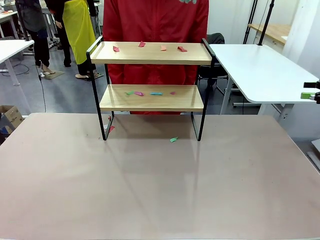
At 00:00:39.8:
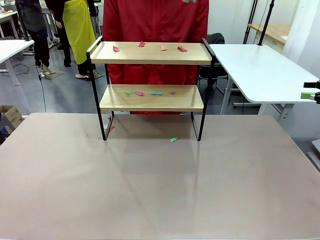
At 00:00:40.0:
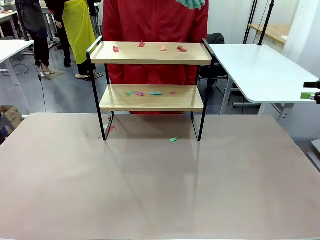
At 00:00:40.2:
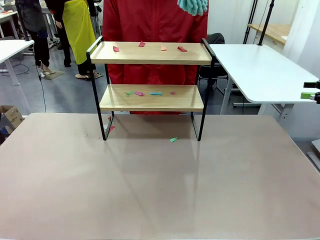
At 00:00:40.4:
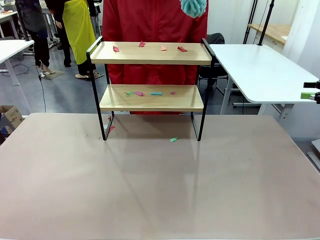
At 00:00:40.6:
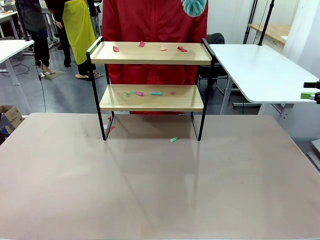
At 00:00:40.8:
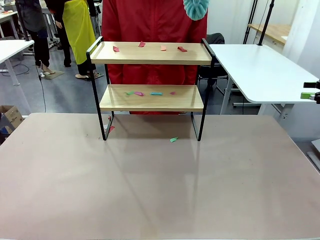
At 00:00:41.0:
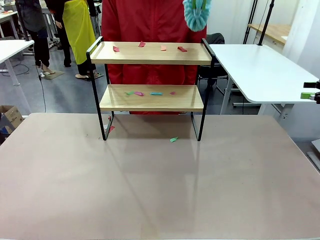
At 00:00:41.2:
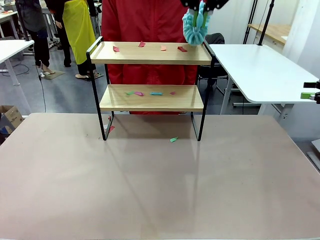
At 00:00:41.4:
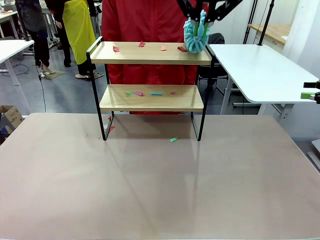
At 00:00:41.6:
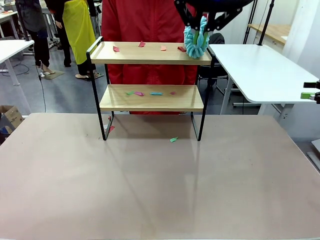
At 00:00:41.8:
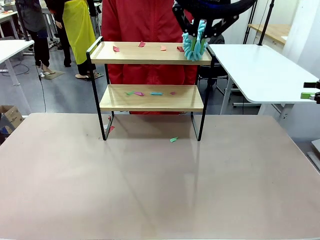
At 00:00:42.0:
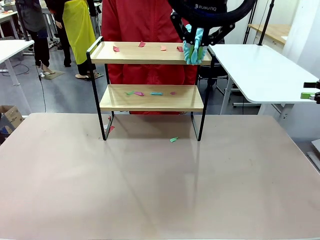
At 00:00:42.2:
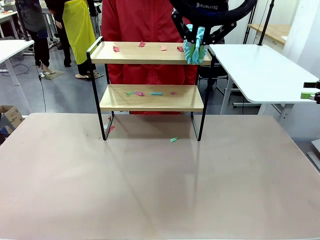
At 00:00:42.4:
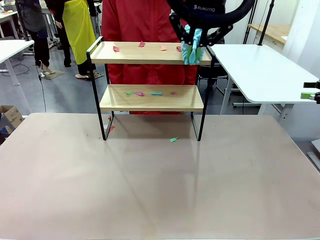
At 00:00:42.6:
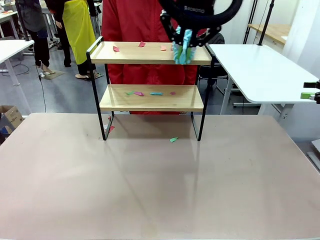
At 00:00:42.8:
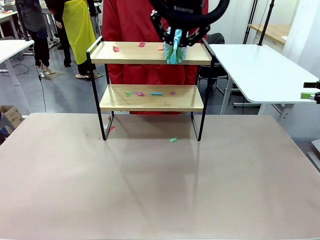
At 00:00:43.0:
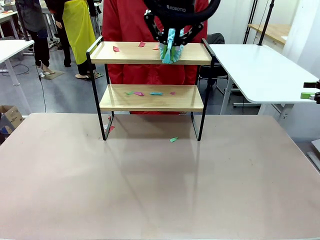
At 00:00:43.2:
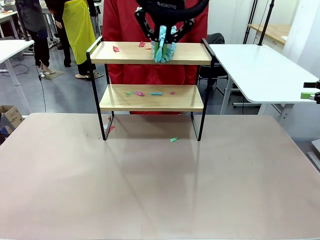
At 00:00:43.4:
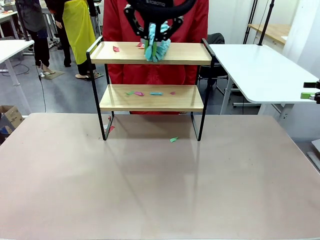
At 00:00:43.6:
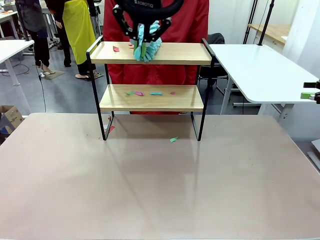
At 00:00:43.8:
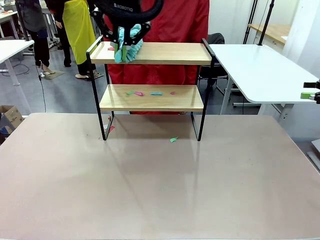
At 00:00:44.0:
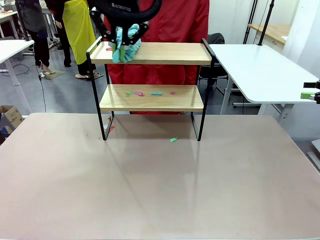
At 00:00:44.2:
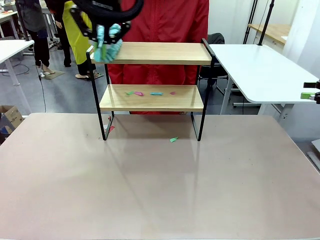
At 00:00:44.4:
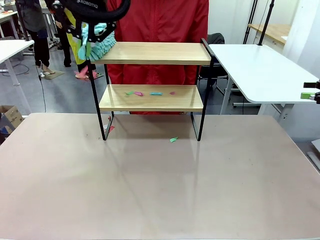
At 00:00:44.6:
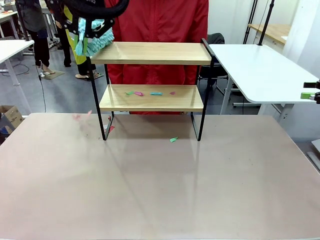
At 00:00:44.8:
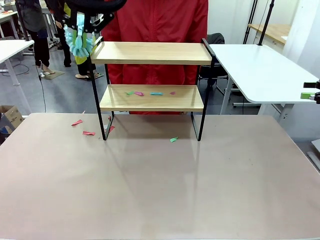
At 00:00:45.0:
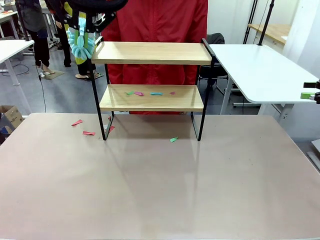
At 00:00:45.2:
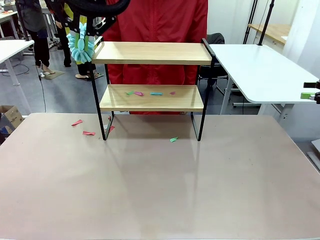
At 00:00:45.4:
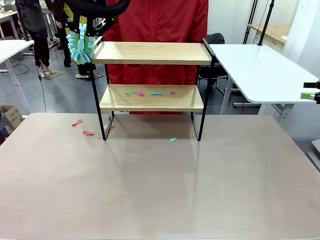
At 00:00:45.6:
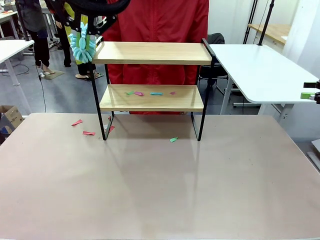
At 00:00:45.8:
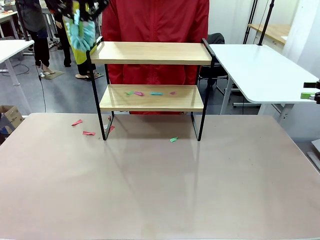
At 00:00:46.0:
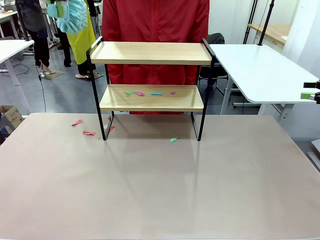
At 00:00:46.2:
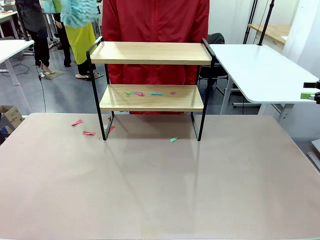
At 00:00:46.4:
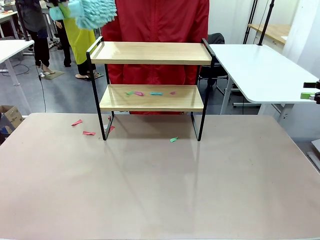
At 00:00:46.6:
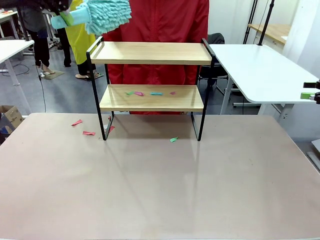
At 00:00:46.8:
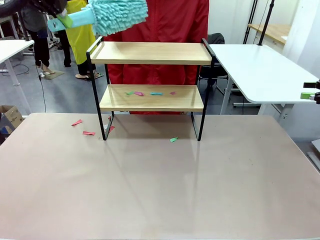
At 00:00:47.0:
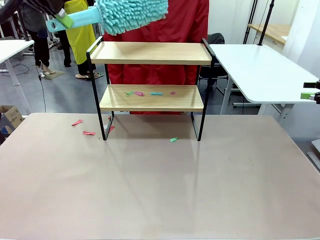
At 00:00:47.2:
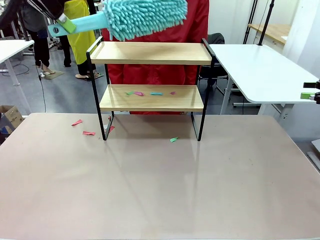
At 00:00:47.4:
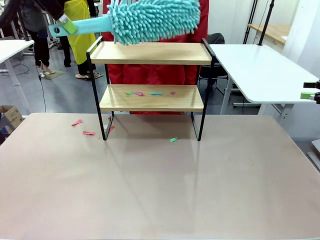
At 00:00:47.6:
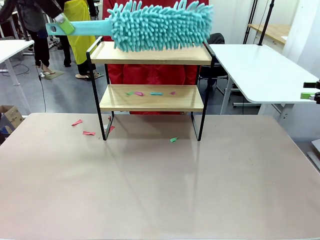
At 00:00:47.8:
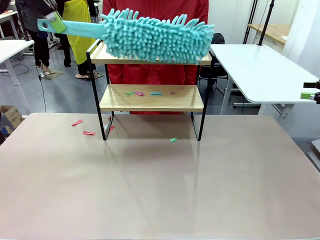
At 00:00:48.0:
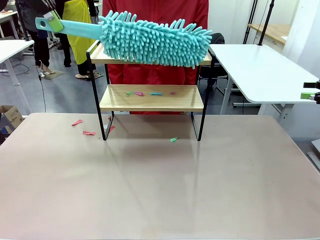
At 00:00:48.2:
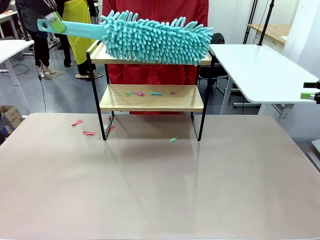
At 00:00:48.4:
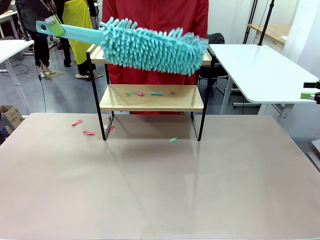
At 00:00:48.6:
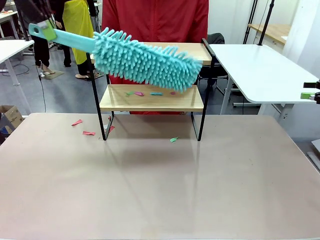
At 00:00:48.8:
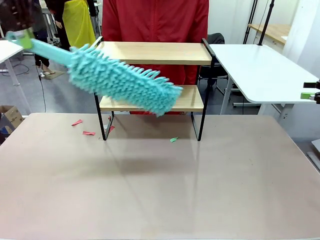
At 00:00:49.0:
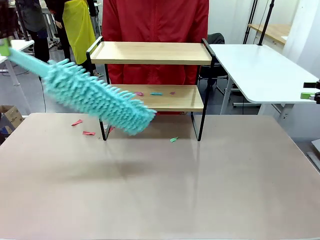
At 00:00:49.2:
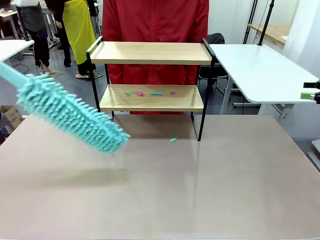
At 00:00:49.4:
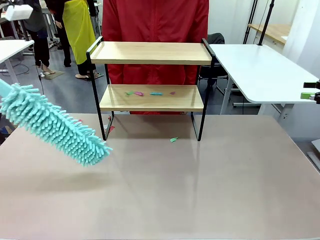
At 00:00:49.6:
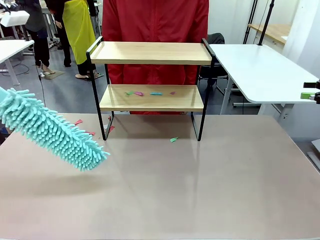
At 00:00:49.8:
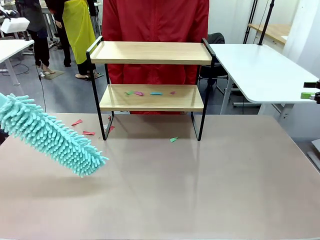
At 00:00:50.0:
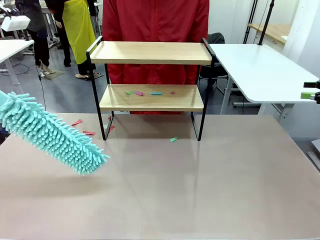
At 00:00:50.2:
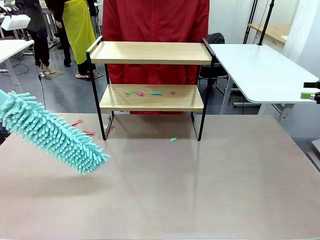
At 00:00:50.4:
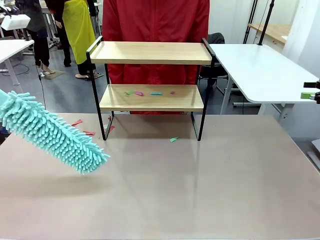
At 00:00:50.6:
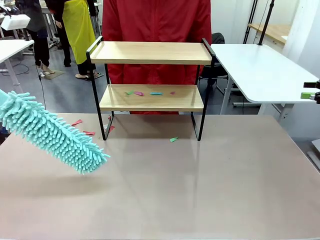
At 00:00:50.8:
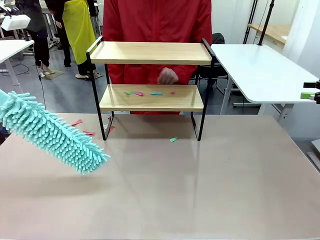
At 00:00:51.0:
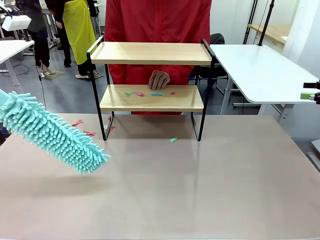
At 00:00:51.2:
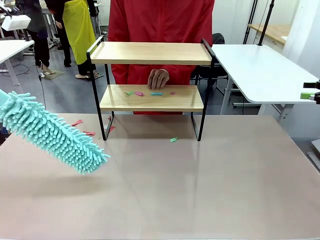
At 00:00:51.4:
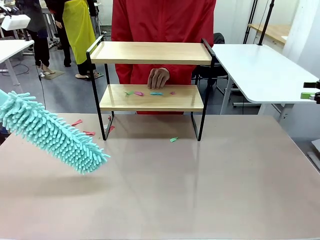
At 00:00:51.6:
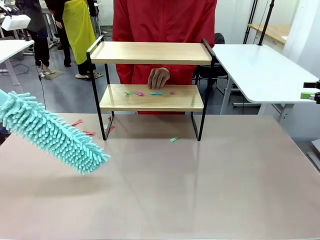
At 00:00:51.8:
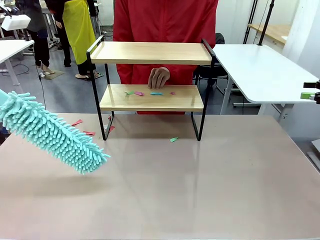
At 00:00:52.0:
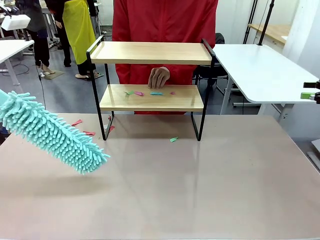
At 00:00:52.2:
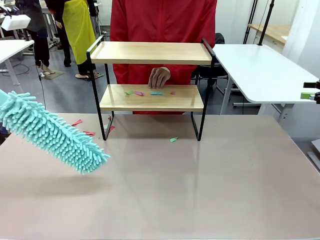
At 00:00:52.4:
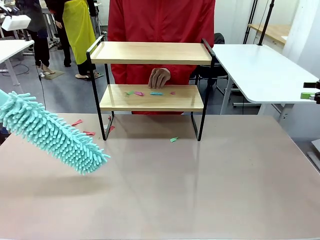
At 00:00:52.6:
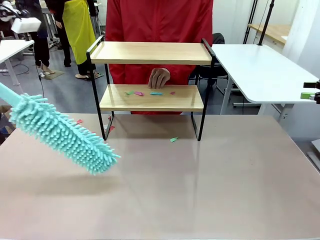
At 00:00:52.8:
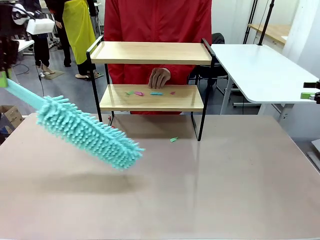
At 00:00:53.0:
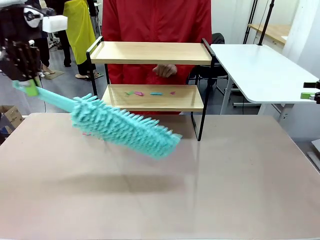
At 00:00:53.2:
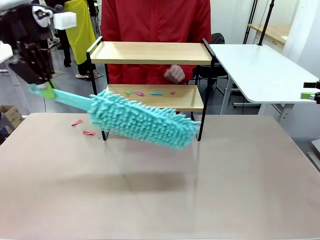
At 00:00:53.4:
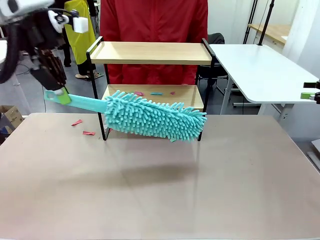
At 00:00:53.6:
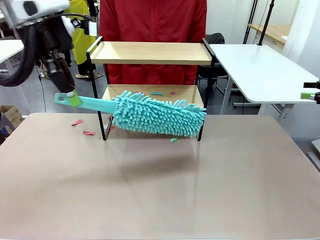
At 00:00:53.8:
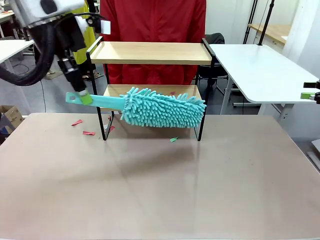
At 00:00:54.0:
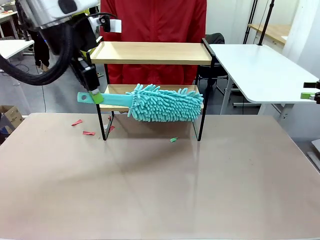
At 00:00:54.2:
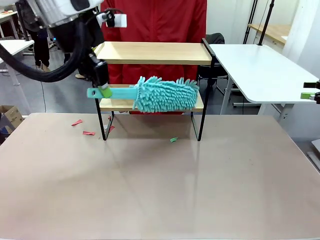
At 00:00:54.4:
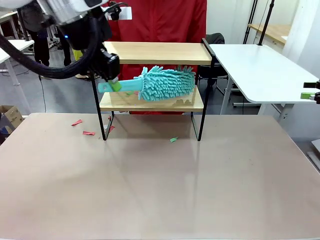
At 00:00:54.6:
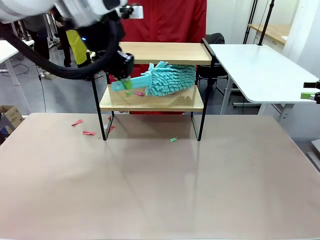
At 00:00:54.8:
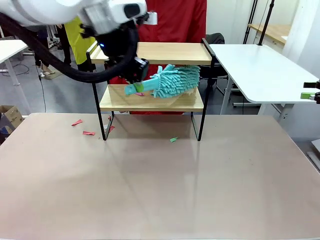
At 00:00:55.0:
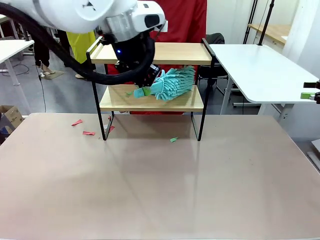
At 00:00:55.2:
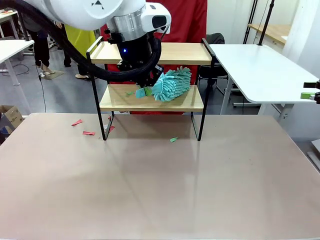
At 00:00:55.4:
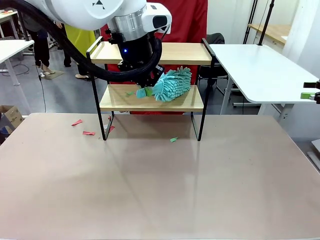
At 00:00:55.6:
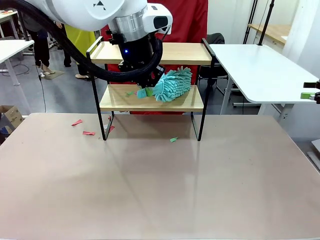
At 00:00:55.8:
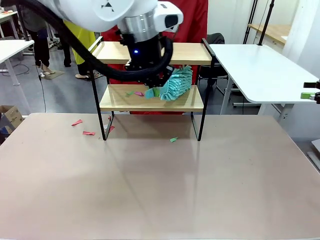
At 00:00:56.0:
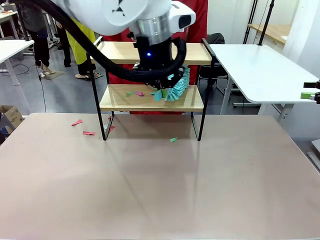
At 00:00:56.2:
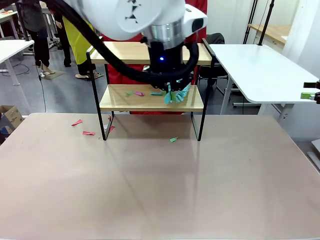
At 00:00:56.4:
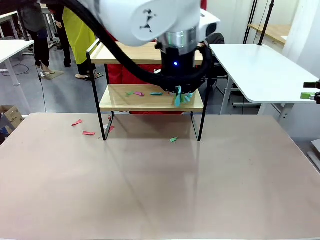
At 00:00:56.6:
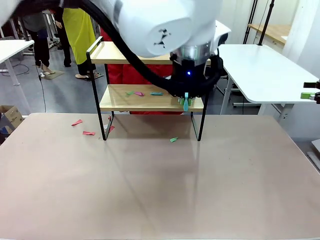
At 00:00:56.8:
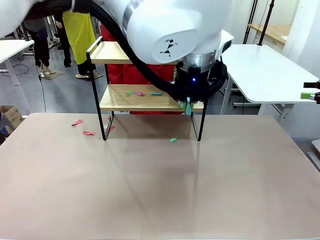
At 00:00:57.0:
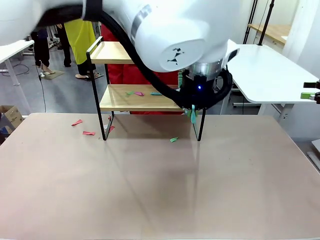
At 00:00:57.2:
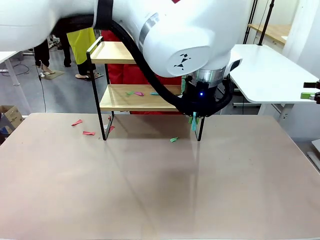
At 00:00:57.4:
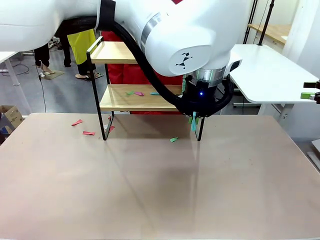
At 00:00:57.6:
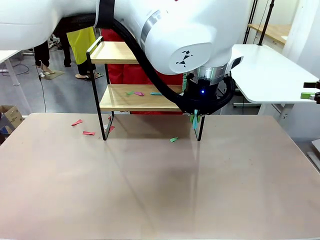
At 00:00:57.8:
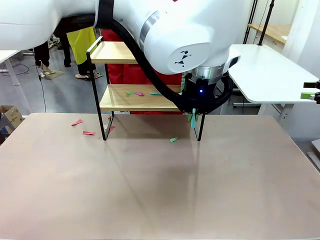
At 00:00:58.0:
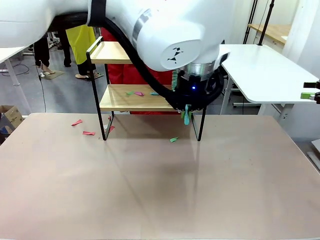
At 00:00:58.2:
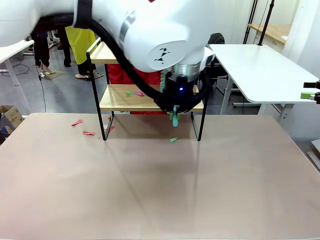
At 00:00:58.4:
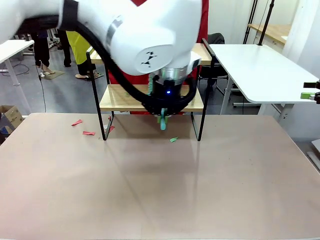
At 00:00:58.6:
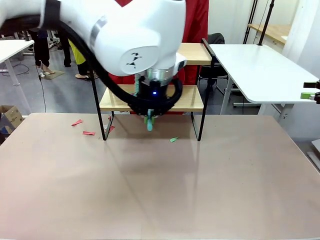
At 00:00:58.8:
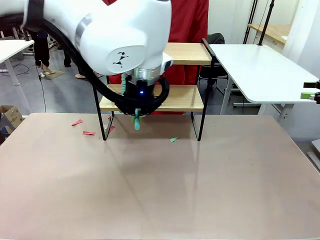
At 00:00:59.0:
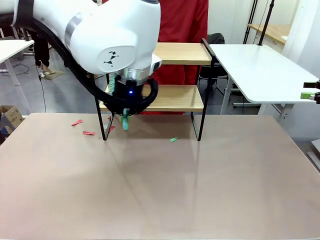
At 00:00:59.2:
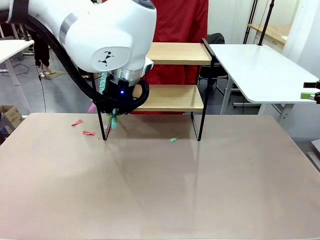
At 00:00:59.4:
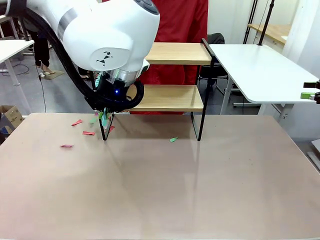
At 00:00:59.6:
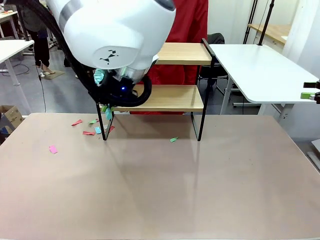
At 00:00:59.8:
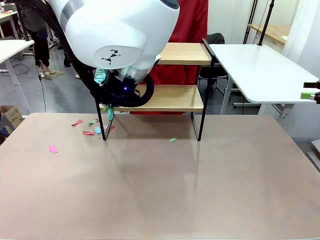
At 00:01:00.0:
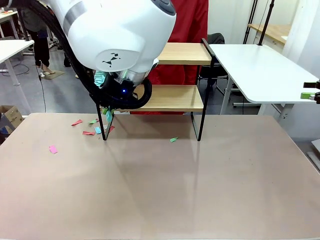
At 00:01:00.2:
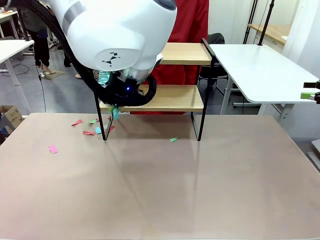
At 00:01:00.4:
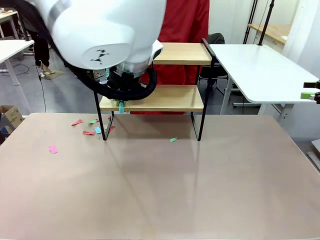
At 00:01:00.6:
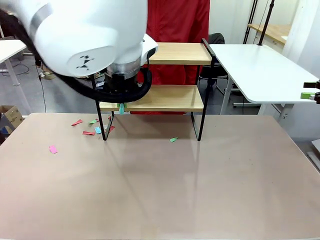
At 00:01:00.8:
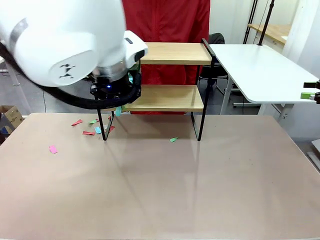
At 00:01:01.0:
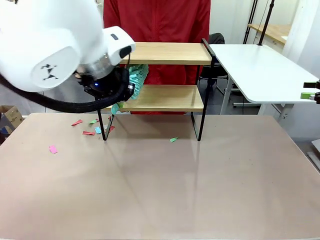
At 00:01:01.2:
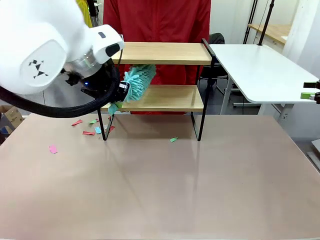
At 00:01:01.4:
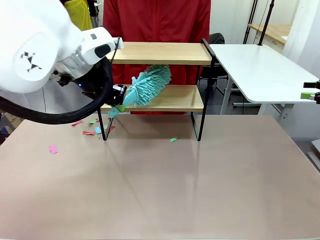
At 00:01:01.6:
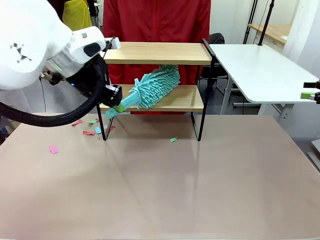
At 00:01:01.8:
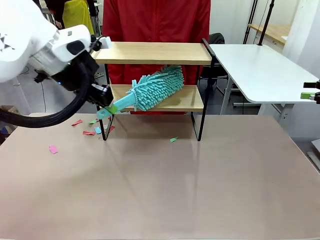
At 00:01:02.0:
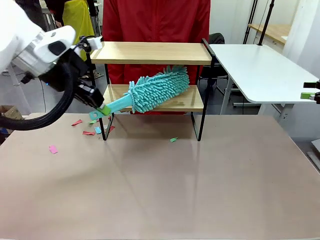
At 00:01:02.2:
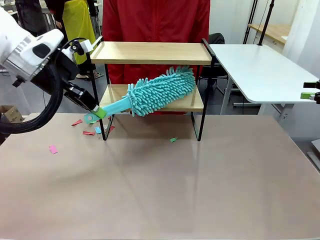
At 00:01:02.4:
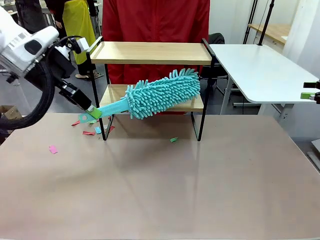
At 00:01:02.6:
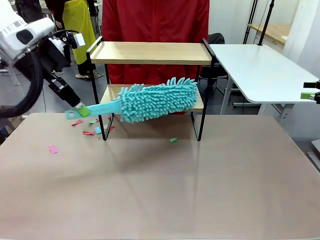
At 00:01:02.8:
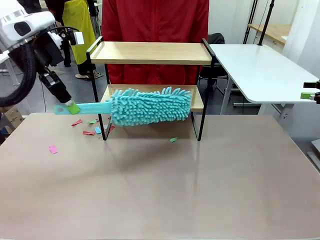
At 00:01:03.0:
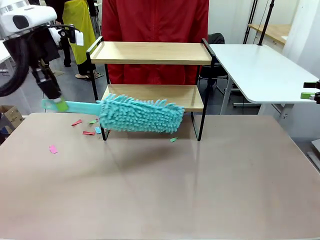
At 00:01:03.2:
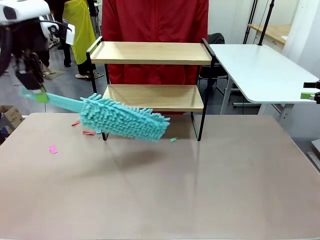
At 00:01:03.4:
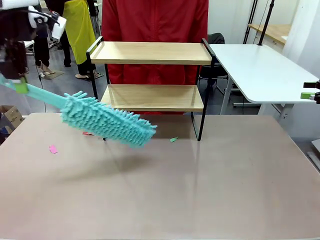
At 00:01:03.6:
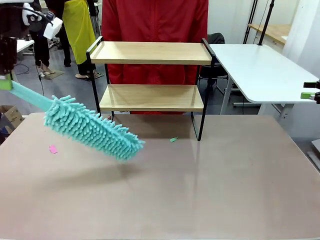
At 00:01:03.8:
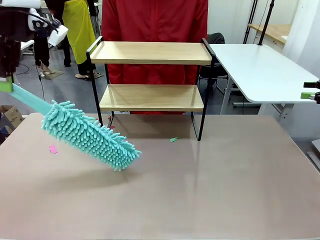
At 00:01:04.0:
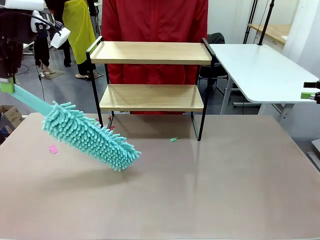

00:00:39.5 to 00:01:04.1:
Task: Clean the shelf.
Robot: Clean the specific section of the Shelf indicated by the human with the Duster.
Person: Point a remaining section of the Shelf.
